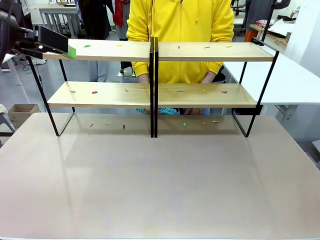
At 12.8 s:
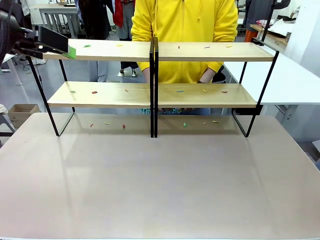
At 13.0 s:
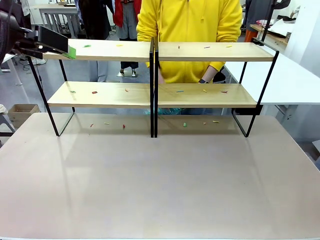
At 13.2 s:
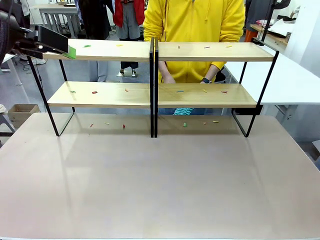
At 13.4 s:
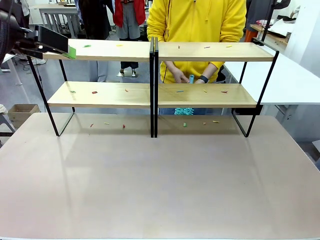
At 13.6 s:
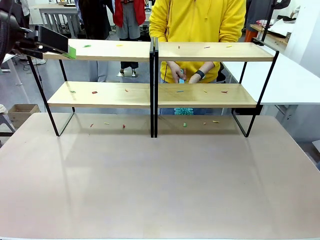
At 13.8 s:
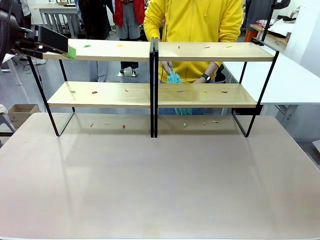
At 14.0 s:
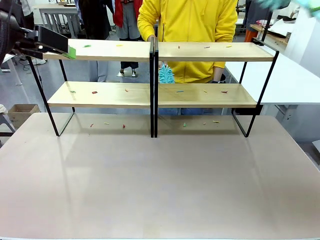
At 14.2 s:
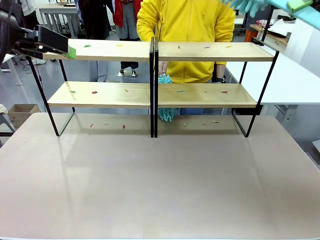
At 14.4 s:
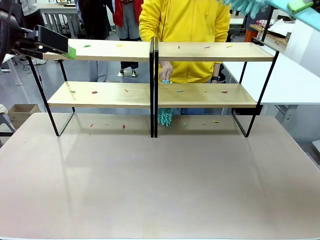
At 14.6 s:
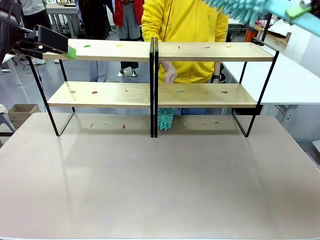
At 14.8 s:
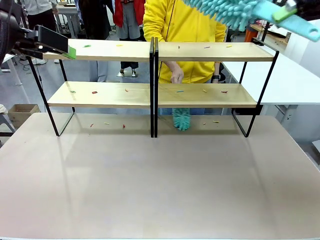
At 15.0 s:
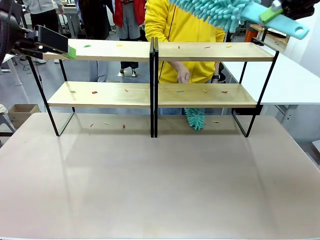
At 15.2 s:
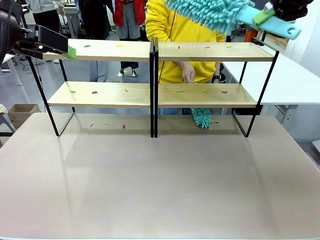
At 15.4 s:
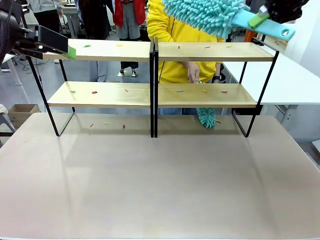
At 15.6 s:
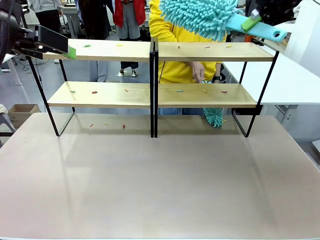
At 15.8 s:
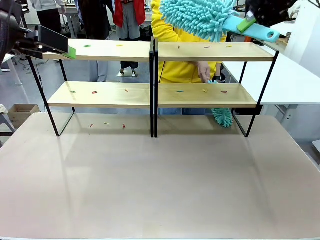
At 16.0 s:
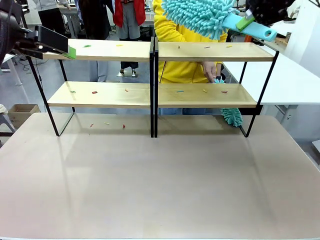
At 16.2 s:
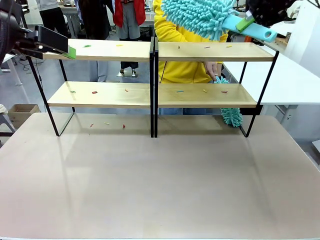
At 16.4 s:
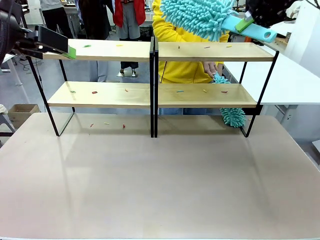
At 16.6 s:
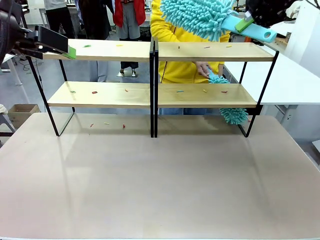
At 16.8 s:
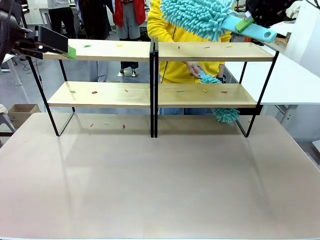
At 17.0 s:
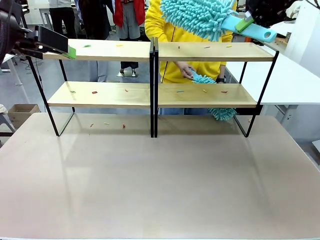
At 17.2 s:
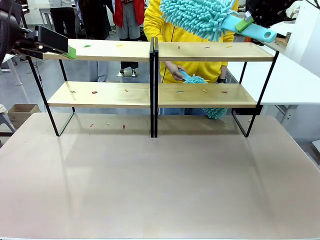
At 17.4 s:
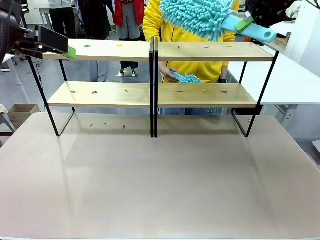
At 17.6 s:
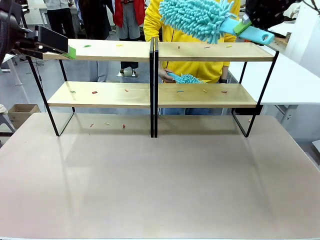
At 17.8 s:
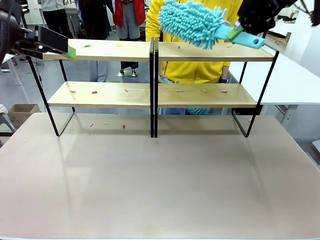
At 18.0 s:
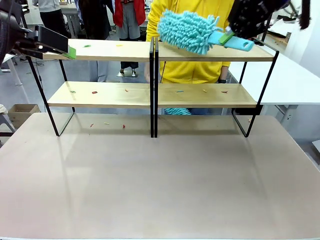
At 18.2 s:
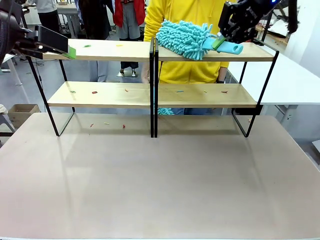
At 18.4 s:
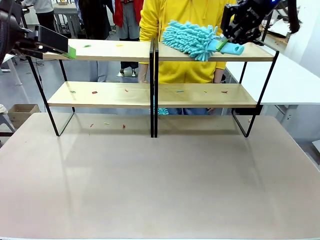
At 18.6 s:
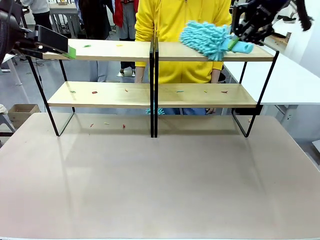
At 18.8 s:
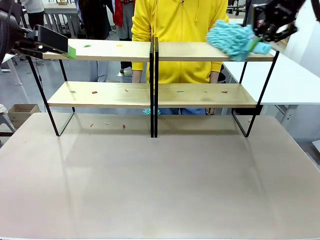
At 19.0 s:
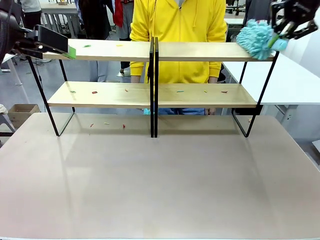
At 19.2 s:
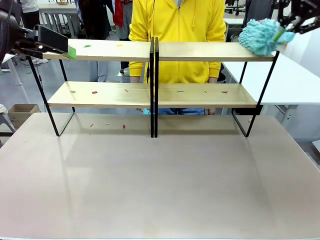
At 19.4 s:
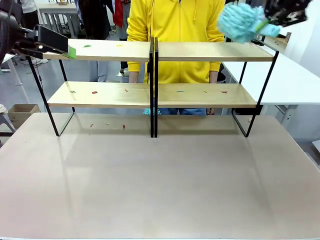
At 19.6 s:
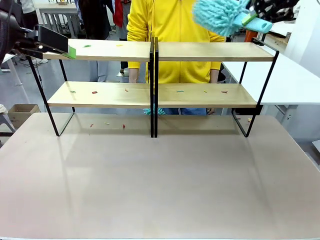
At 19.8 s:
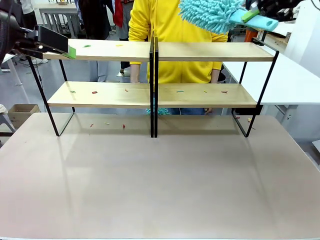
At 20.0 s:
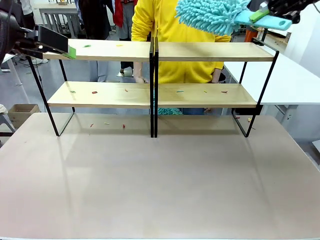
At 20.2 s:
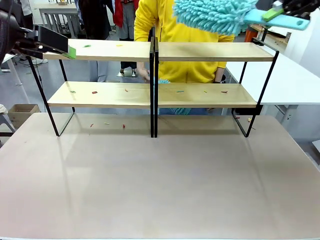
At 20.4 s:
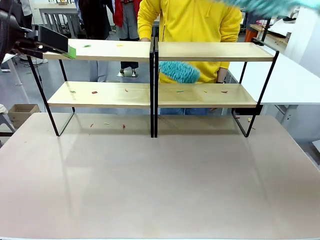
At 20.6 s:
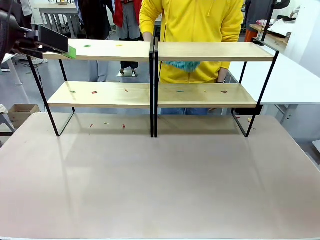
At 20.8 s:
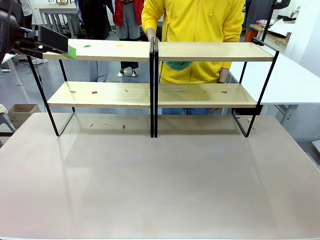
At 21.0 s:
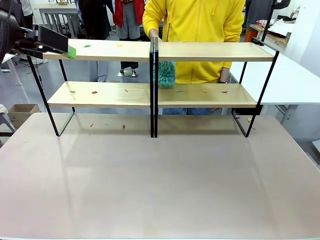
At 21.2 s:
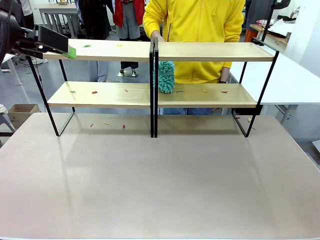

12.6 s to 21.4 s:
Task: Clean the shelves.
Robot: Clean a randomly selected level of the Shelf with the Duster.

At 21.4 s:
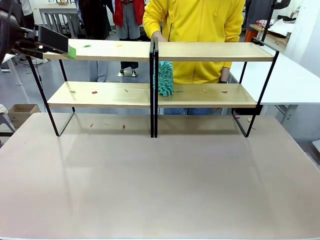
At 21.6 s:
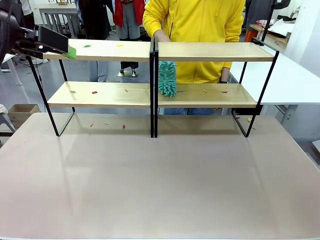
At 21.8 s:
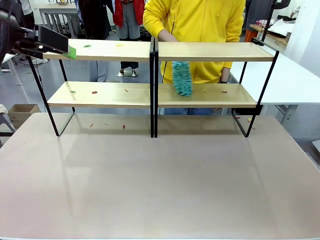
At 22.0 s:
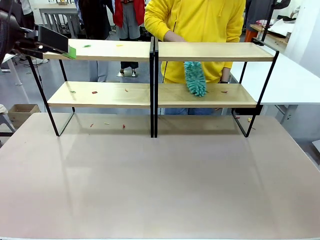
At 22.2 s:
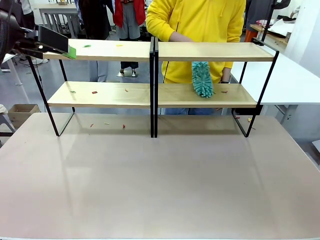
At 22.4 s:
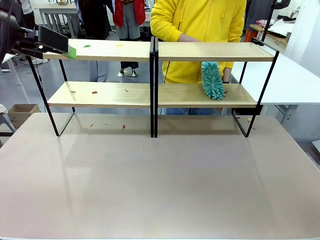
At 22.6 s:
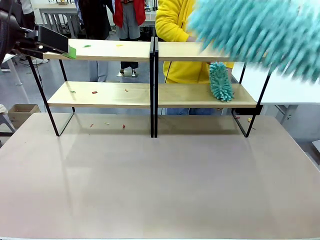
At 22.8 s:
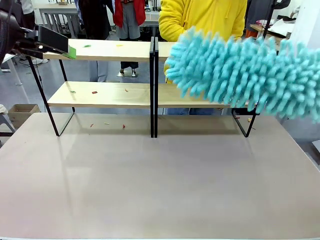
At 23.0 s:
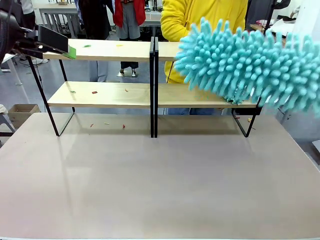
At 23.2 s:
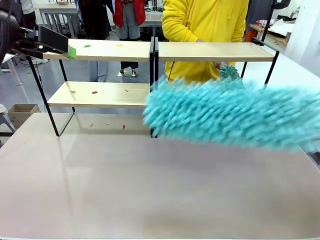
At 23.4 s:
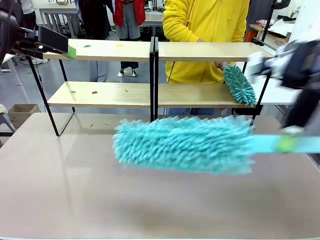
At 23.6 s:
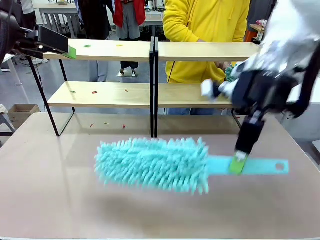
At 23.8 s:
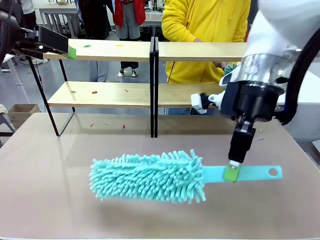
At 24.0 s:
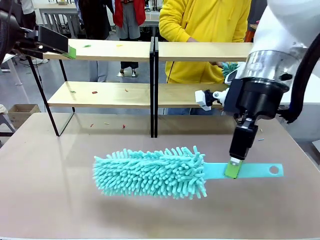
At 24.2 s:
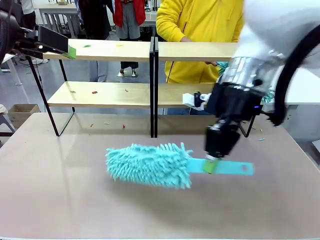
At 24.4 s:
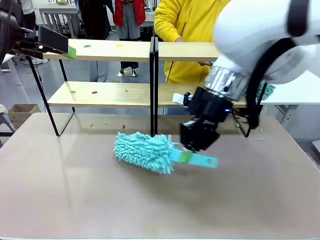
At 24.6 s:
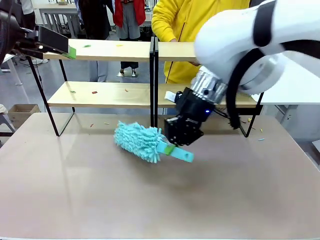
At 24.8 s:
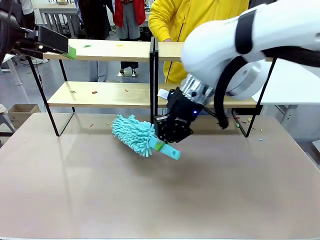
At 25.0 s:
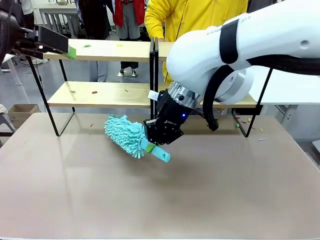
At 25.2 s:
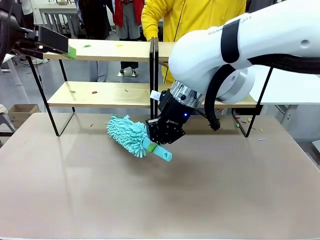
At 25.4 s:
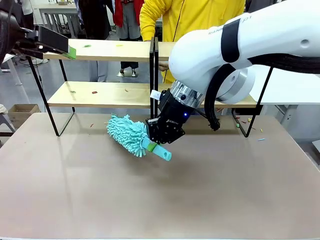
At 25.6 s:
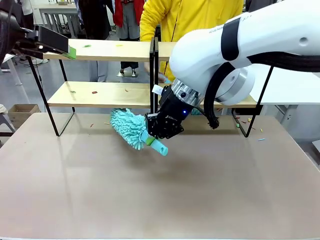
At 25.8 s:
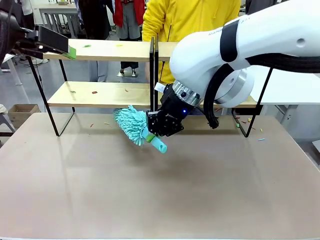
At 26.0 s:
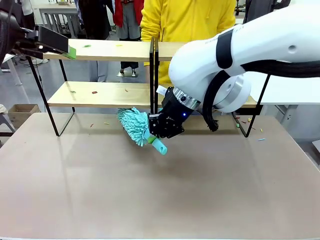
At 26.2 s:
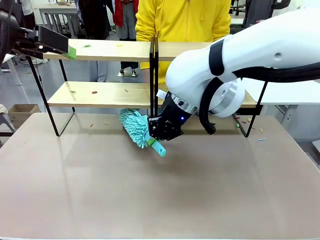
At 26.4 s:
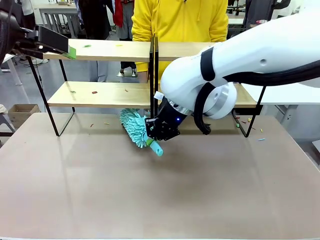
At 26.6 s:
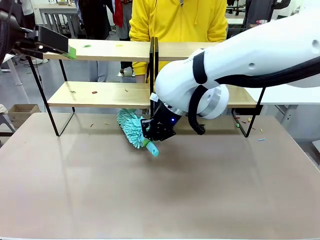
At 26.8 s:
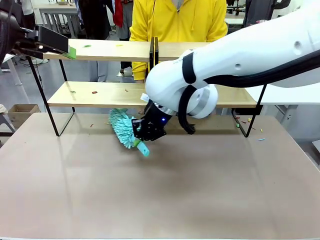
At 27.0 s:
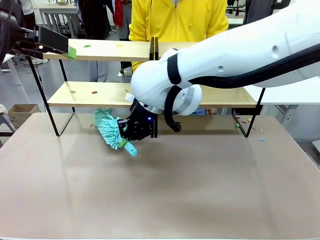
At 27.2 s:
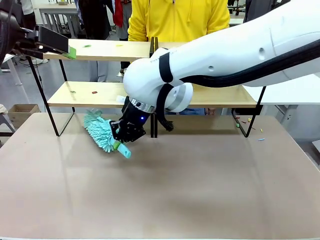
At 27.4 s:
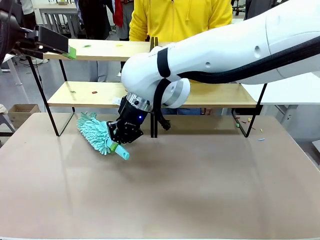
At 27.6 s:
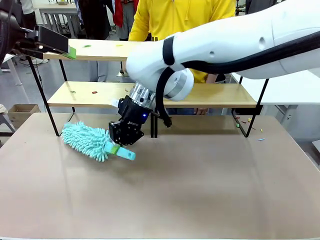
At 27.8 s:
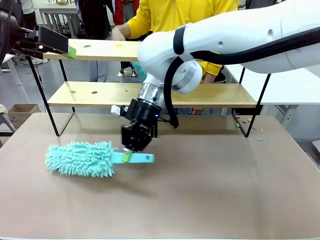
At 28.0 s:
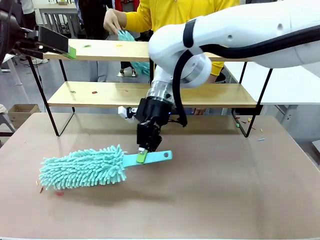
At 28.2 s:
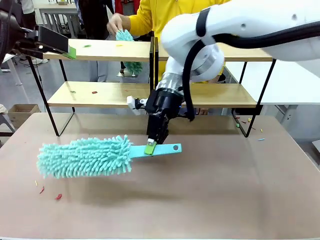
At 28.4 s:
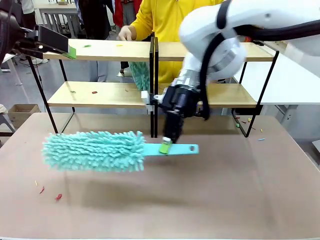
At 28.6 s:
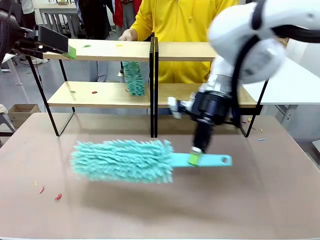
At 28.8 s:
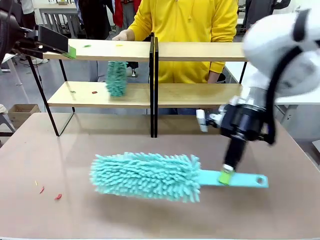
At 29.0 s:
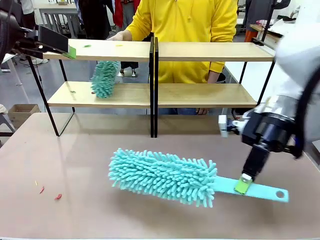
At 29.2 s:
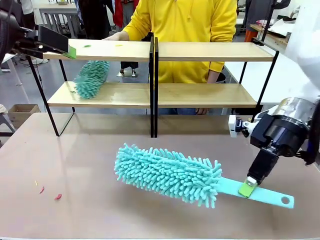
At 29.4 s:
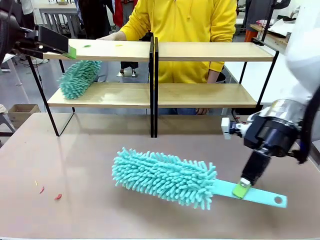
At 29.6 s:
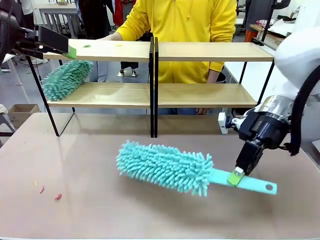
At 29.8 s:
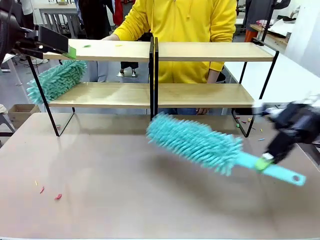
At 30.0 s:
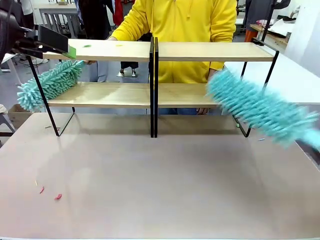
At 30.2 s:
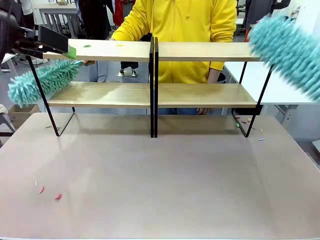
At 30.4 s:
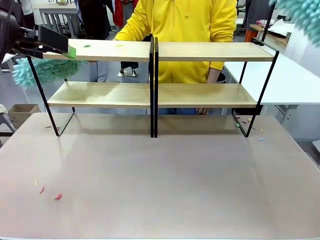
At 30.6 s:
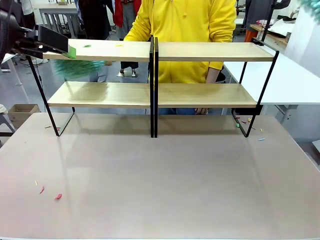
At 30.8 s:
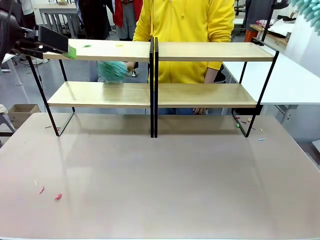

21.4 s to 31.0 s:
Robot: Clean another randomly selected level of the Shelf with the Duster.

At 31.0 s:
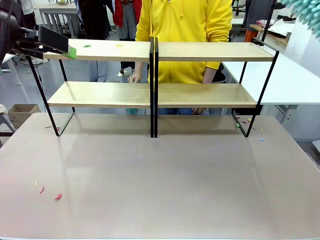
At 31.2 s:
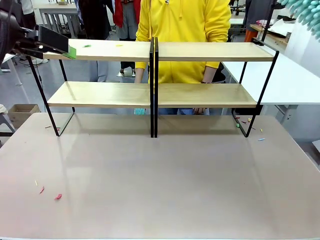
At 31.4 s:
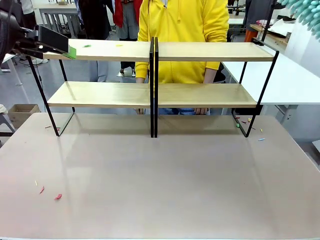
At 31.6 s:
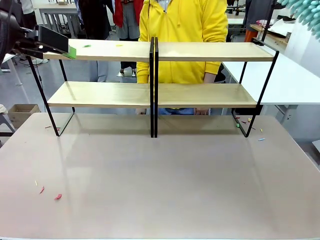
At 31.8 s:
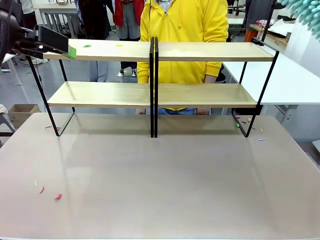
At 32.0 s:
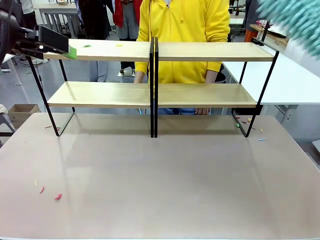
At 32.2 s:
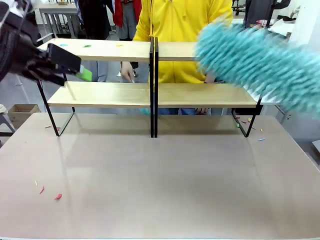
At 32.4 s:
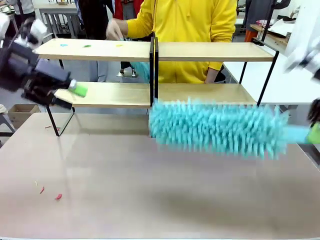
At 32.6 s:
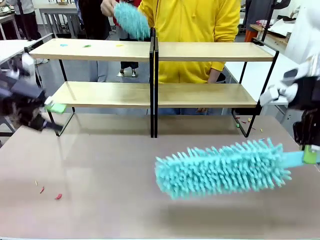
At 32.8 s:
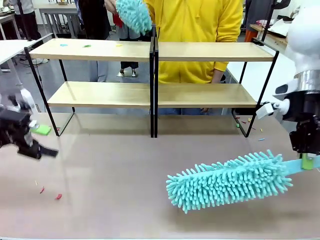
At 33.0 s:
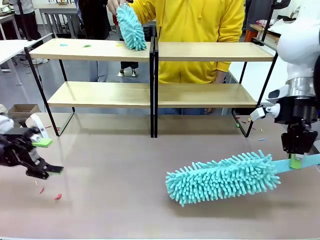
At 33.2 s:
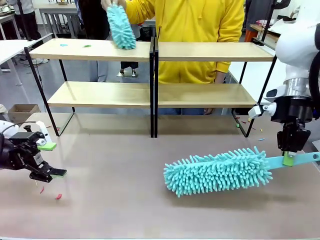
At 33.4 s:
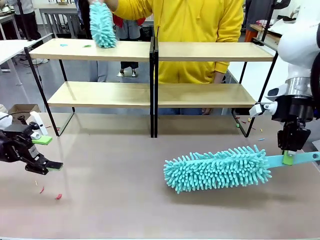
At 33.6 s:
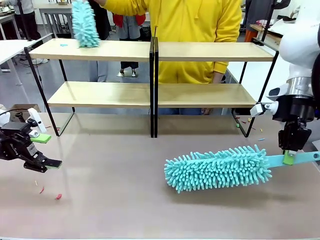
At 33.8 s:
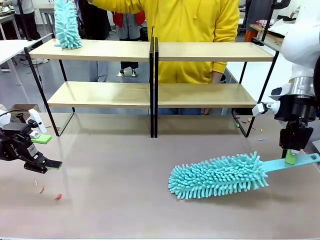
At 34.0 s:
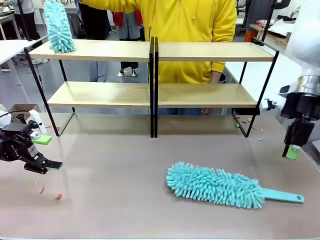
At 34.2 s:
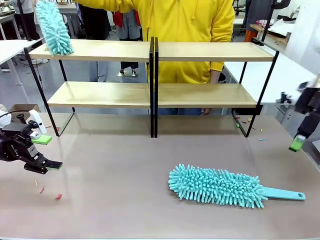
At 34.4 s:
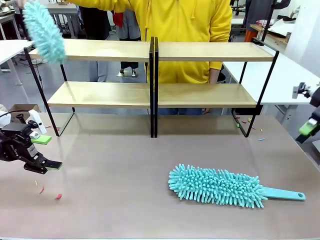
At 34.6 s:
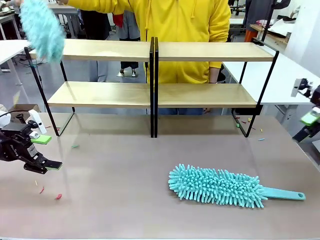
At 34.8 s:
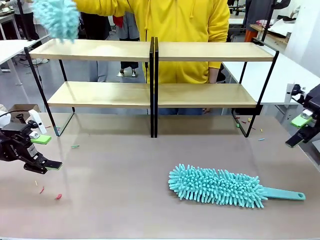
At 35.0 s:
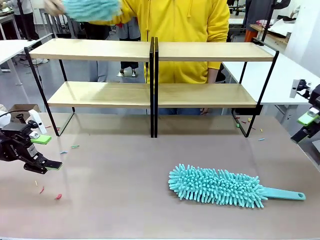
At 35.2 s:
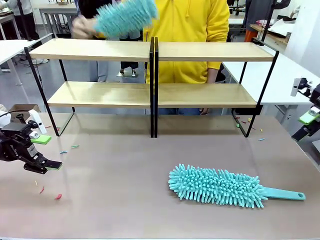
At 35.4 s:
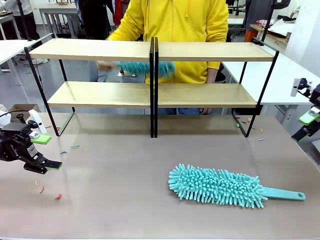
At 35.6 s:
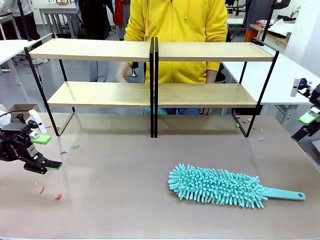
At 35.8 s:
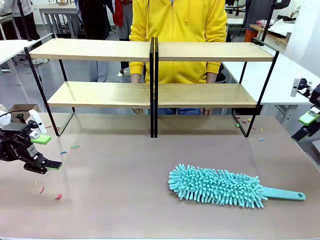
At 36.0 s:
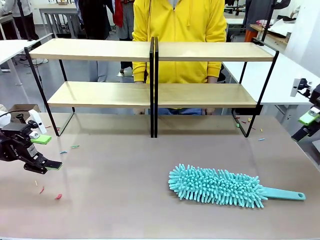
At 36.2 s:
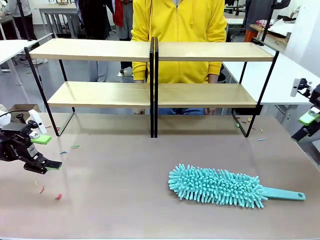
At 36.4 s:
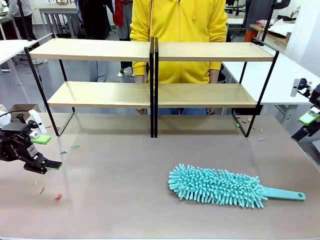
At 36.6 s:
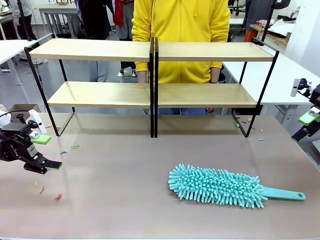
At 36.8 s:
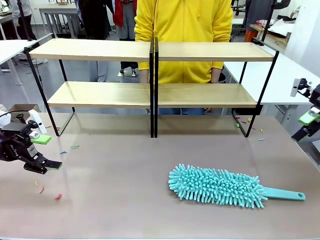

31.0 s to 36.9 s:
Robot: Place the Duster on the table.
